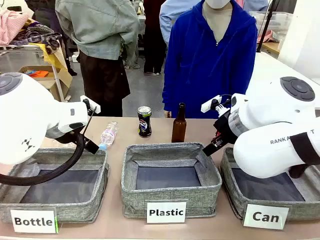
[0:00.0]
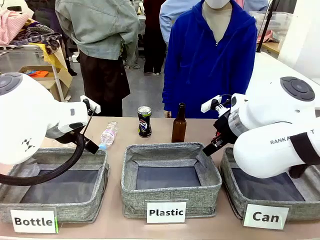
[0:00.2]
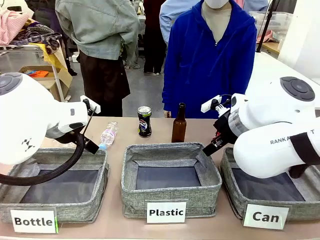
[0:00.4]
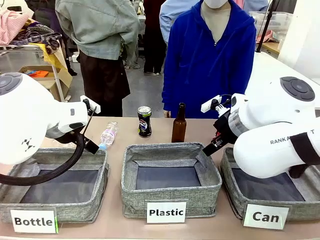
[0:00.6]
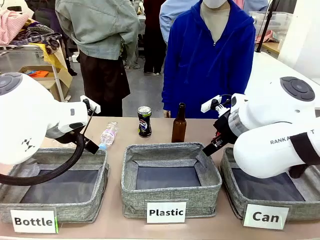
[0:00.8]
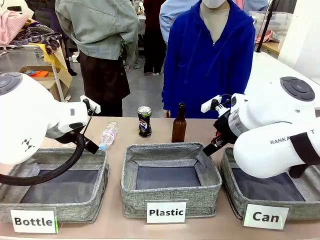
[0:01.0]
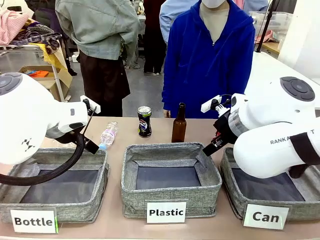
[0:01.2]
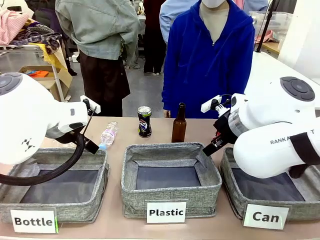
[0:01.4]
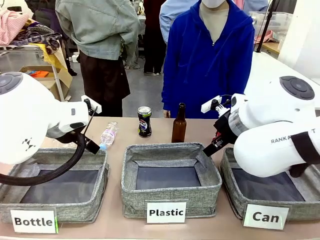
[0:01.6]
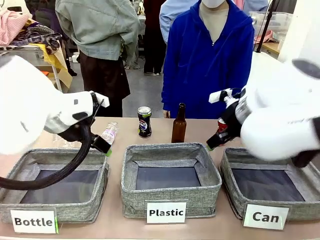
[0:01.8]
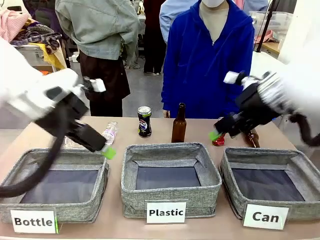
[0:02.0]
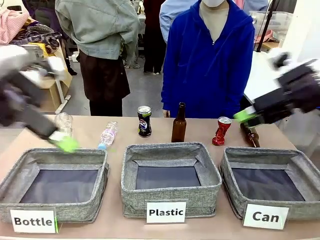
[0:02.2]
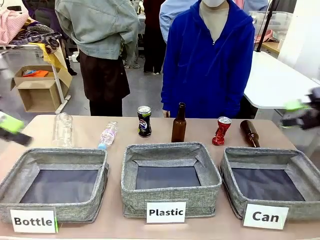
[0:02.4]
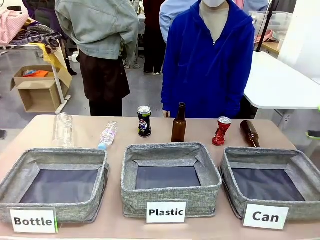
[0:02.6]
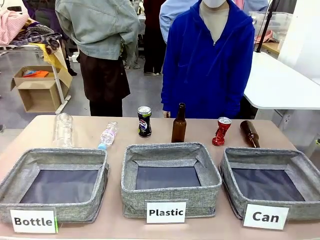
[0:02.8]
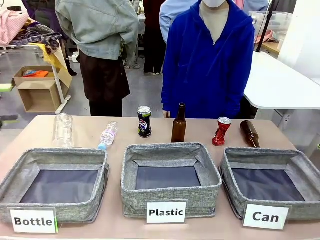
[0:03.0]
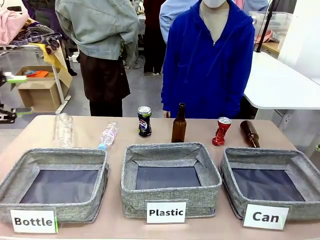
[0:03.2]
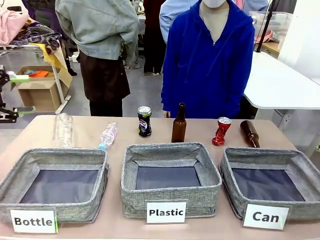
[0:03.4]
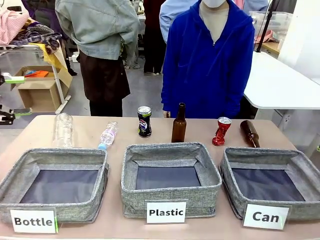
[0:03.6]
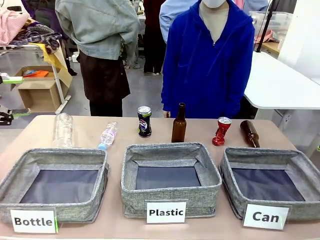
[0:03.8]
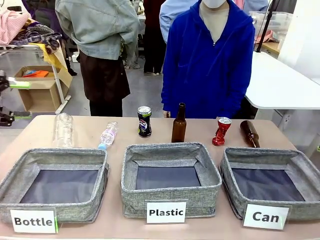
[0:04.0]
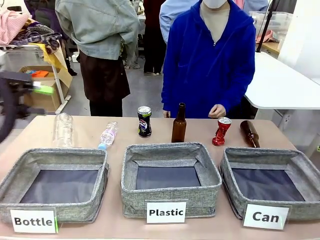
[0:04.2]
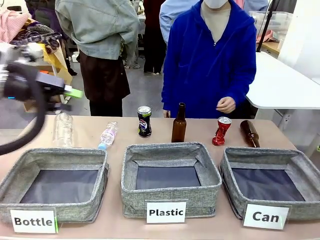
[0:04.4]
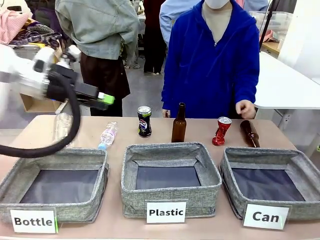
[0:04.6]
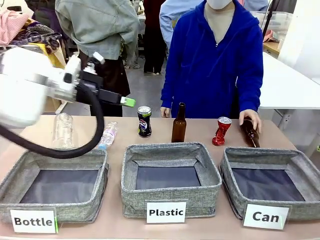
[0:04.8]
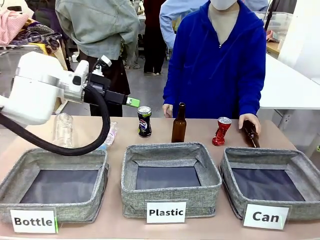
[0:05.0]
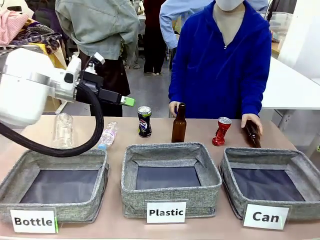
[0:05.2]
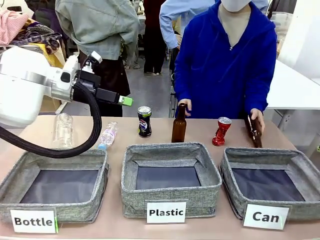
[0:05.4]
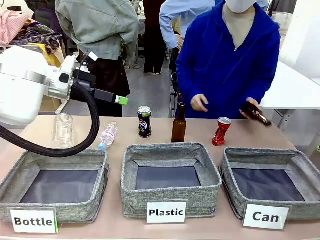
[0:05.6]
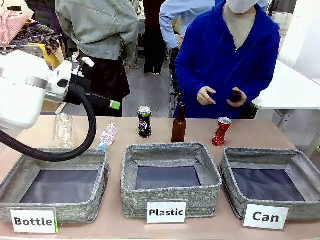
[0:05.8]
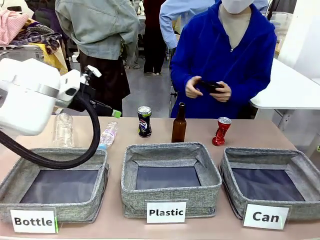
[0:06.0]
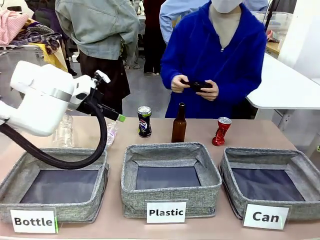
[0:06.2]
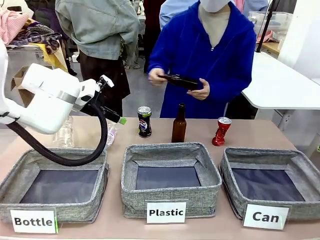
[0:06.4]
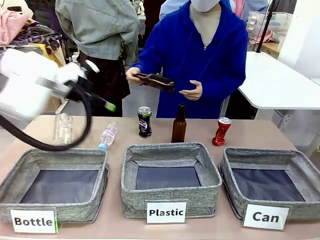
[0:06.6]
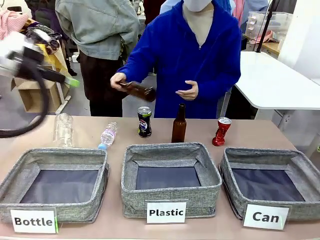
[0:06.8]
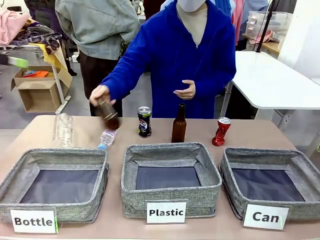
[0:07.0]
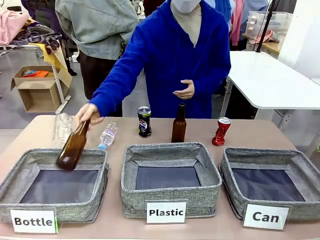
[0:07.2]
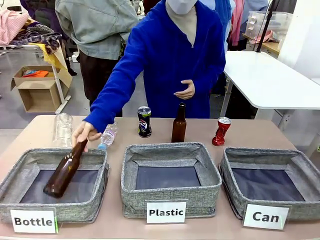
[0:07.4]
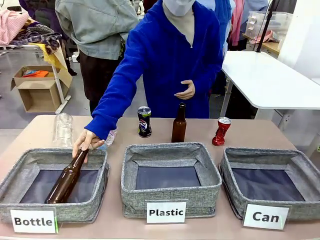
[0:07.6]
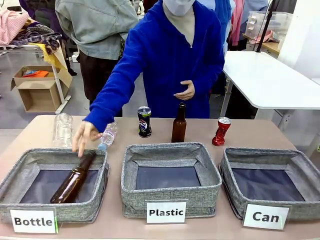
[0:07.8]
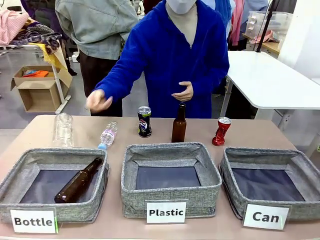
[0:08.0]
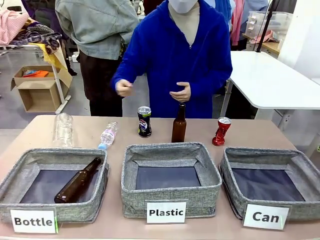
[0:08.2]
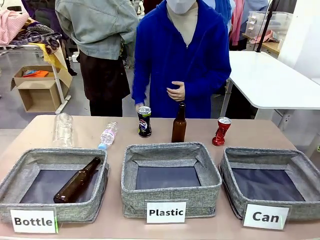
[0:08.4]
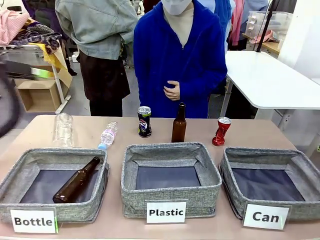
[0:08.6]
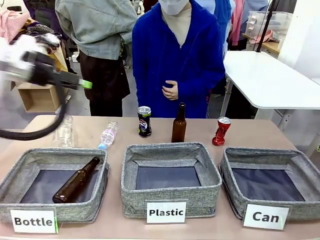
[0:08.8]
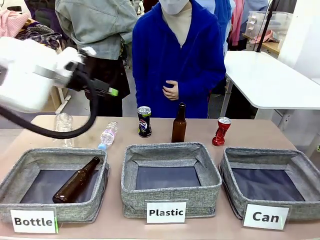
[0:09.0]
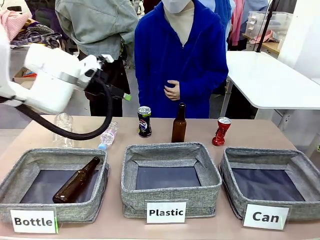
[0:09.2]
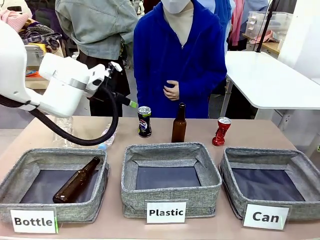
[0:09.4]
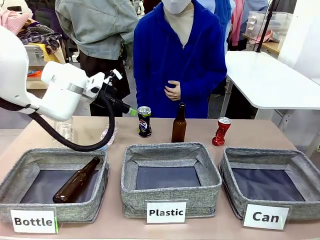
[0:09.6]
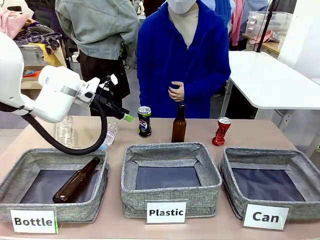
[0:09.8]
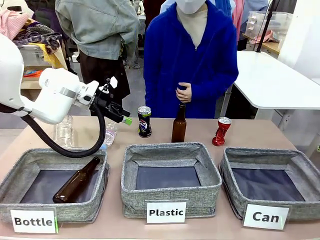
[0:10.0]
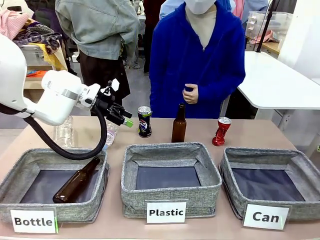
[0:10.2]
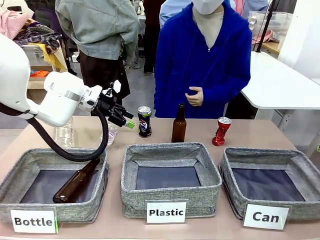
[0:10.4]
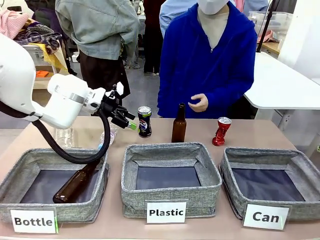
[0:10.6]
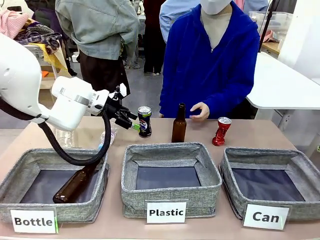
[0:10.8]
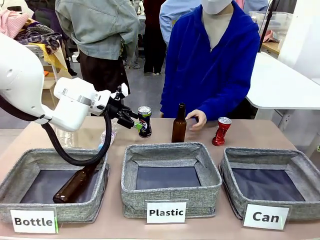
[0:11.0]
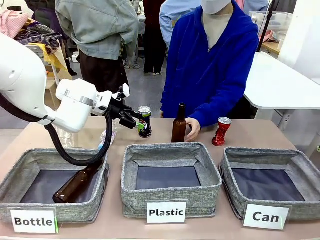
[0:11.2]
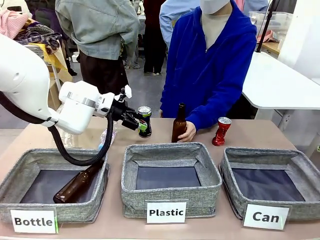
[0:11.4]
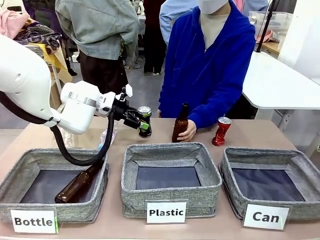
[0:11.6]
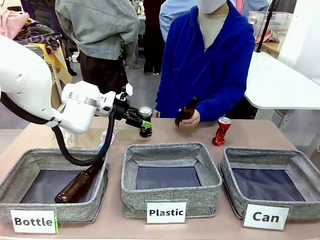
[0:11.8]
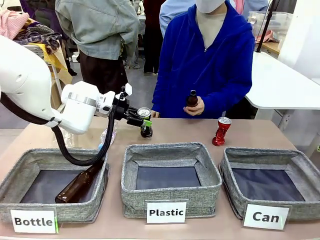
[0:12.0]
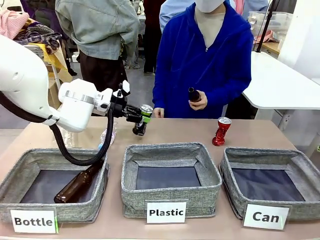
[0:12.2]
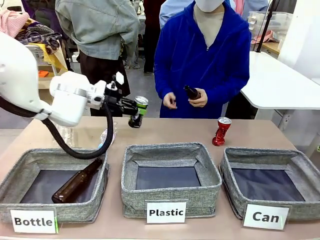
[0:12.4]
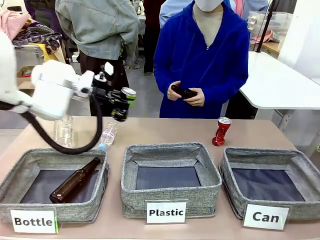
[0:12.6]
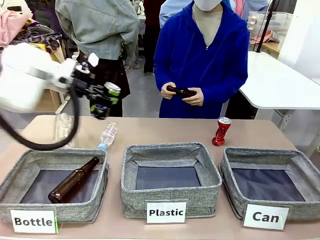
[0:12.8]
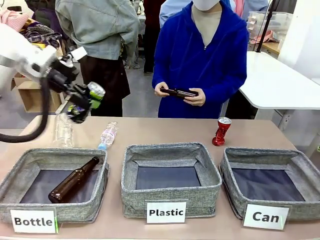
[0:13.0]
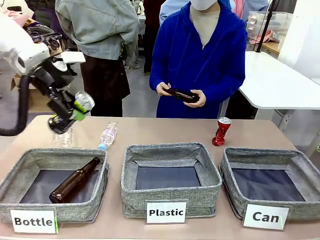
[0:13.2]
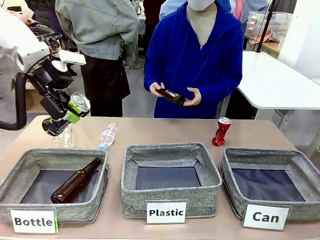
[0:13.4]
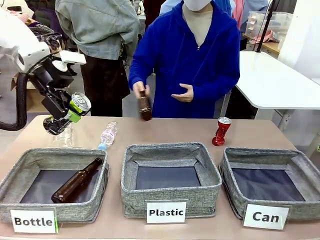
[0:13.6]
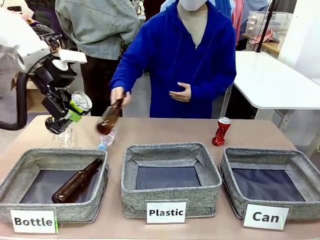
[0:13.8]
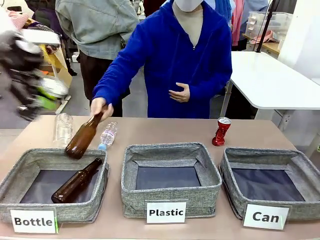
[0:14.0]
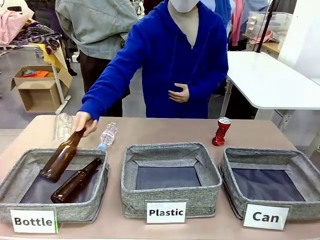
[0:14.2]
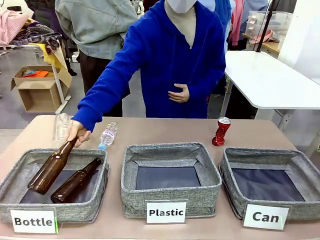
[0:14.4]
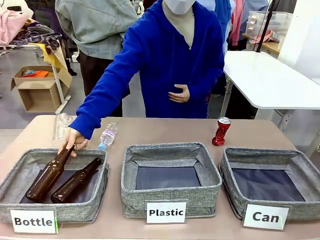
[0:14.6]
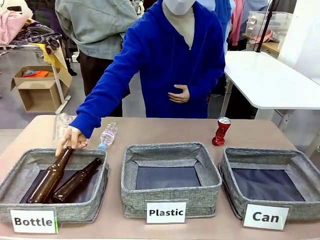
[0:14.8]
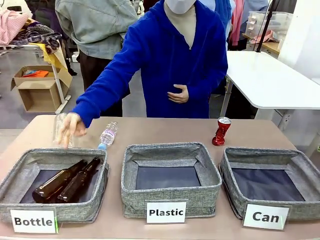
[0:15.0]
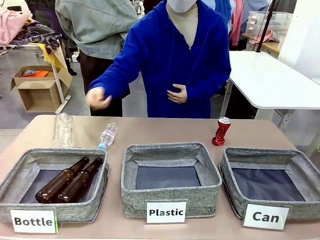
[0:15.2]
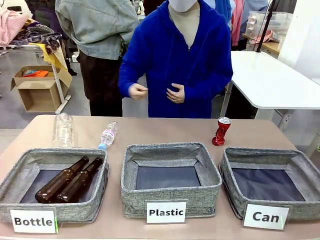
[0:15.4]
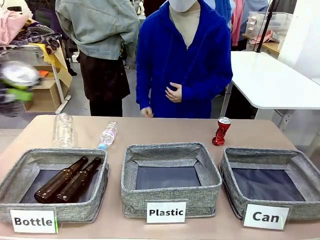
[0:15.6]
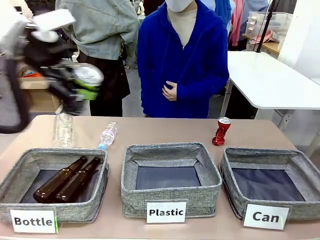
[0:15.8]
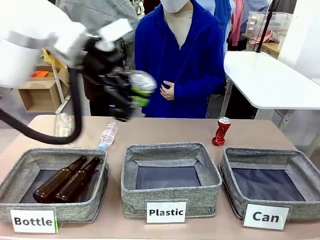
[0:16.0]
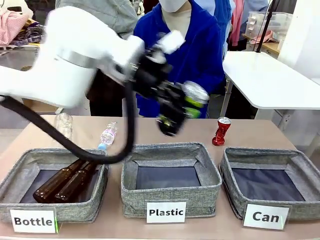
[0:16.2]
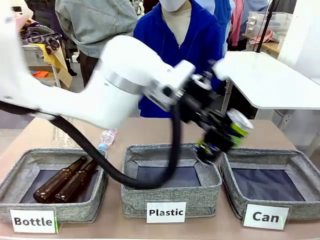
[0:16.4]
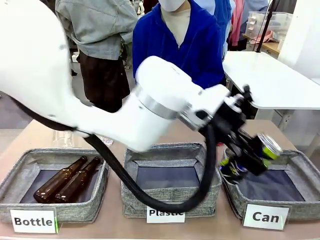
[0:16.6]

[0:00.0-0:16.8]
Task: Sort the can waste into the basket.
Robot: Pick up the can waste from the table and place it in the right Fabric basket.
